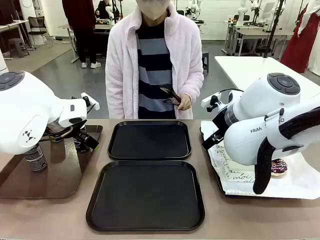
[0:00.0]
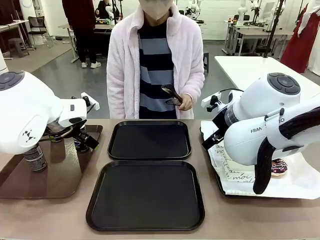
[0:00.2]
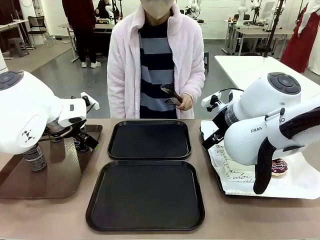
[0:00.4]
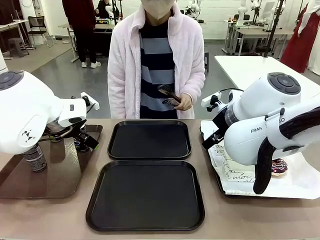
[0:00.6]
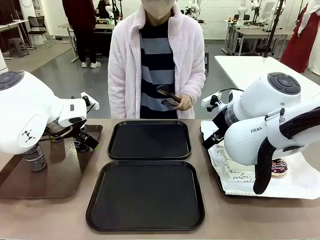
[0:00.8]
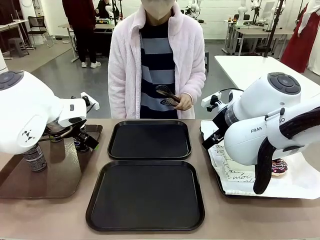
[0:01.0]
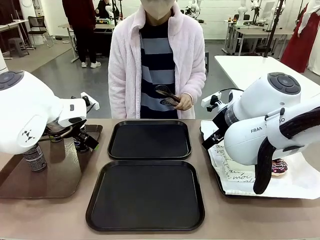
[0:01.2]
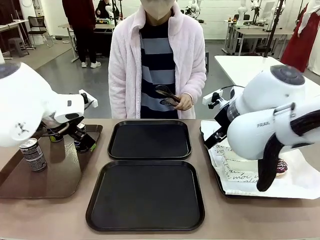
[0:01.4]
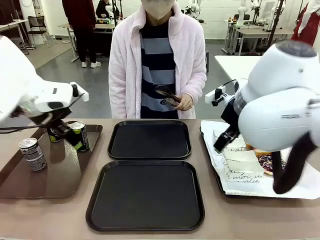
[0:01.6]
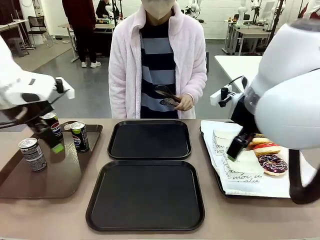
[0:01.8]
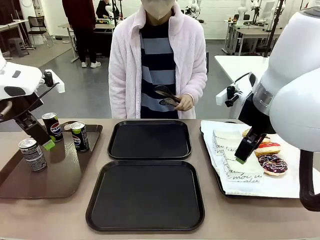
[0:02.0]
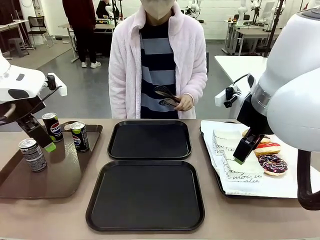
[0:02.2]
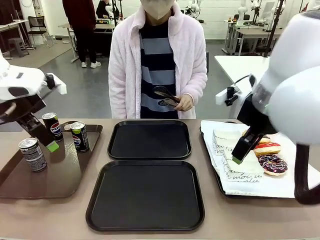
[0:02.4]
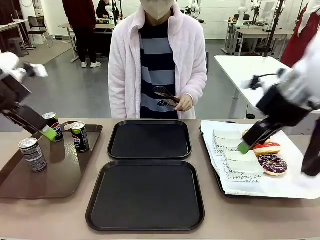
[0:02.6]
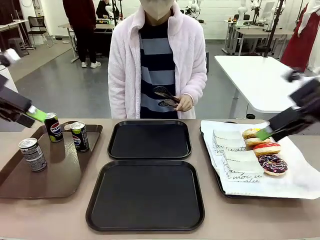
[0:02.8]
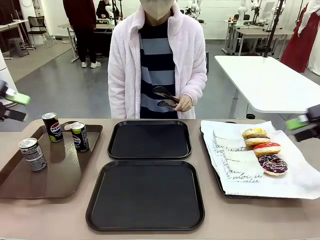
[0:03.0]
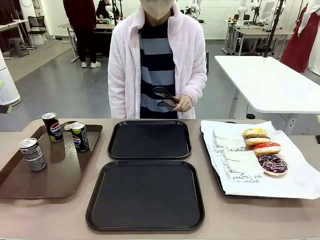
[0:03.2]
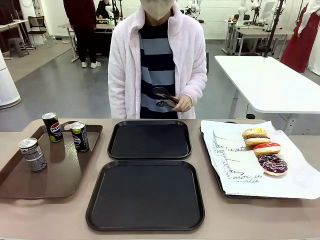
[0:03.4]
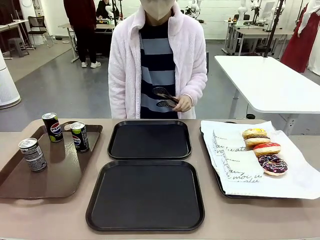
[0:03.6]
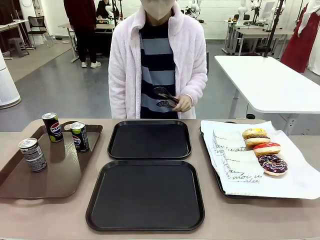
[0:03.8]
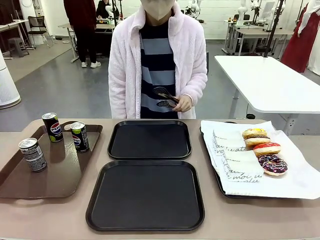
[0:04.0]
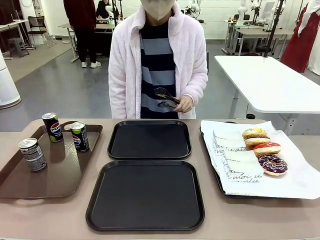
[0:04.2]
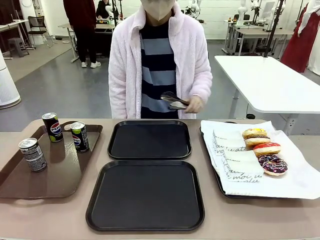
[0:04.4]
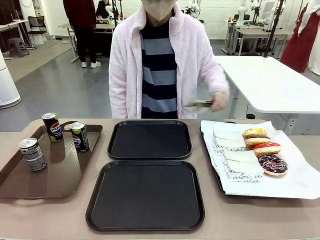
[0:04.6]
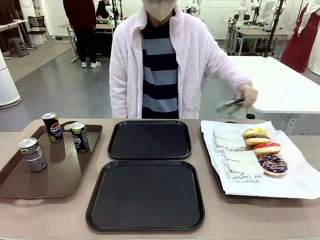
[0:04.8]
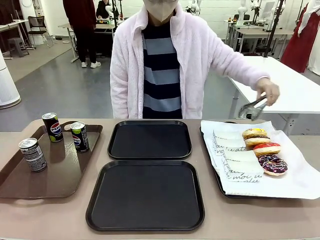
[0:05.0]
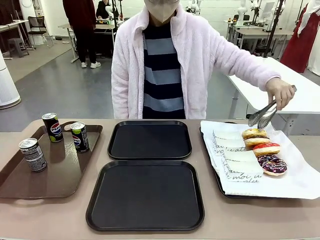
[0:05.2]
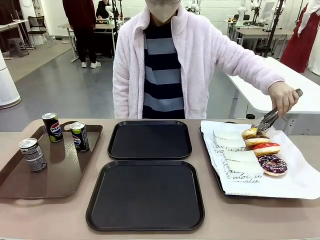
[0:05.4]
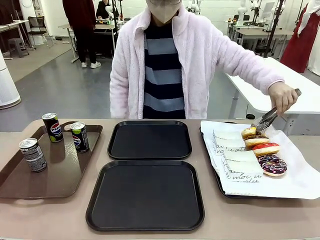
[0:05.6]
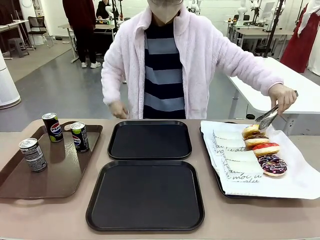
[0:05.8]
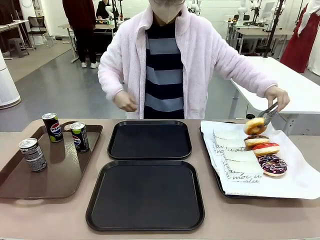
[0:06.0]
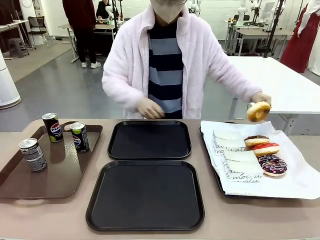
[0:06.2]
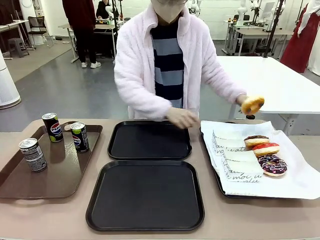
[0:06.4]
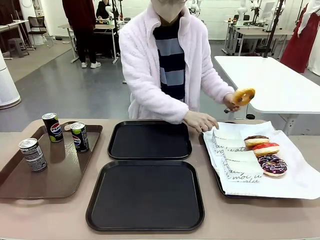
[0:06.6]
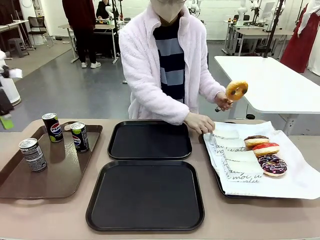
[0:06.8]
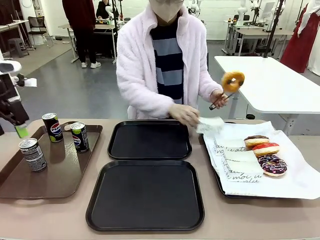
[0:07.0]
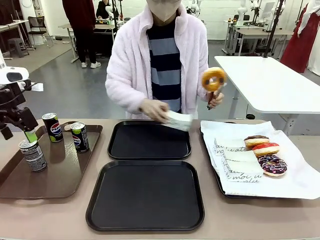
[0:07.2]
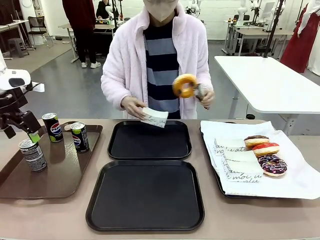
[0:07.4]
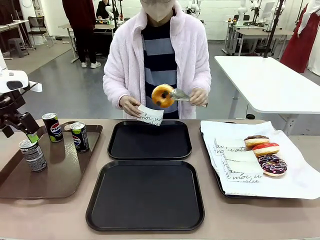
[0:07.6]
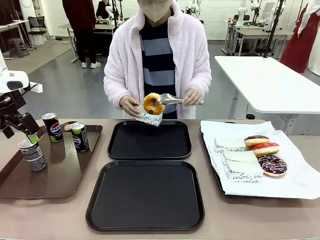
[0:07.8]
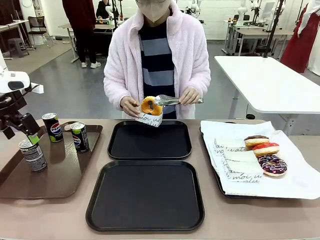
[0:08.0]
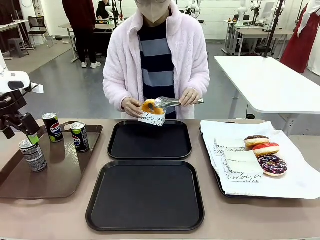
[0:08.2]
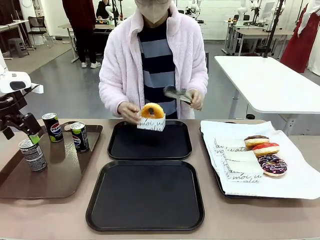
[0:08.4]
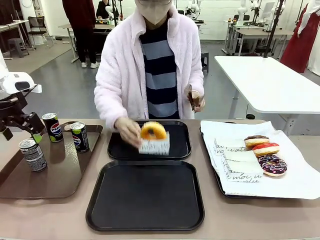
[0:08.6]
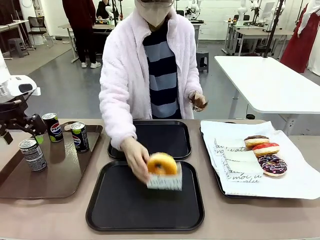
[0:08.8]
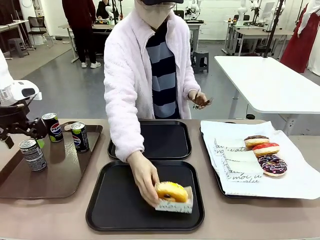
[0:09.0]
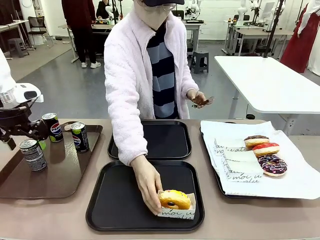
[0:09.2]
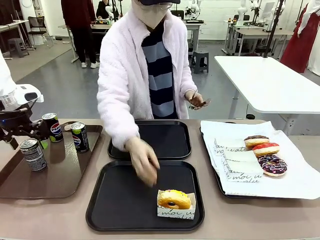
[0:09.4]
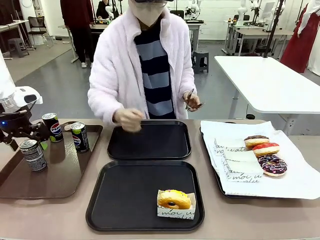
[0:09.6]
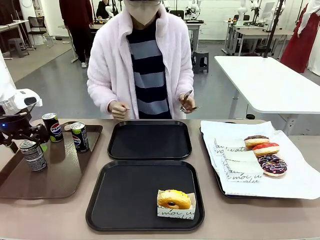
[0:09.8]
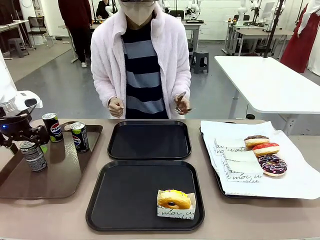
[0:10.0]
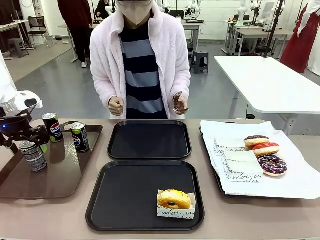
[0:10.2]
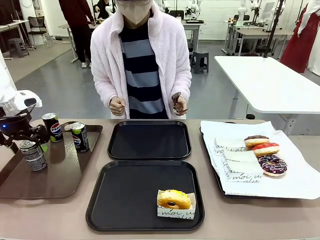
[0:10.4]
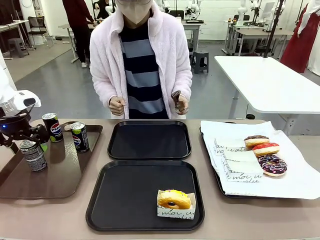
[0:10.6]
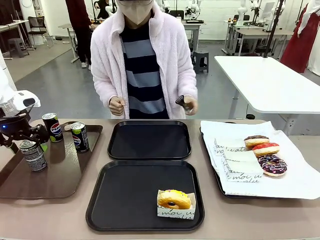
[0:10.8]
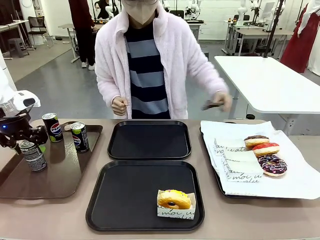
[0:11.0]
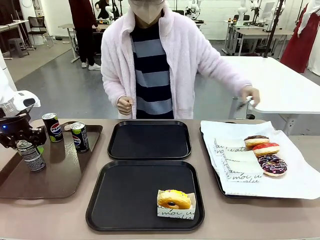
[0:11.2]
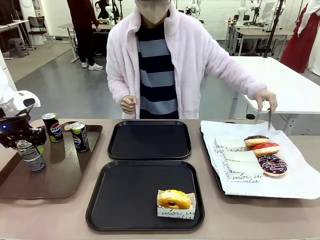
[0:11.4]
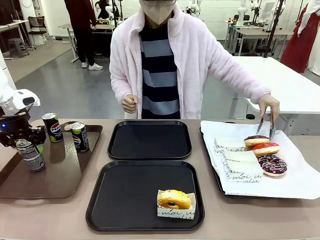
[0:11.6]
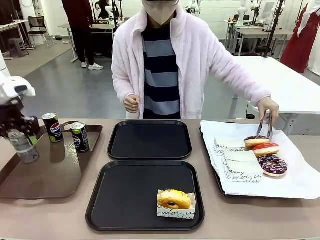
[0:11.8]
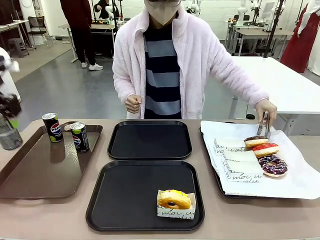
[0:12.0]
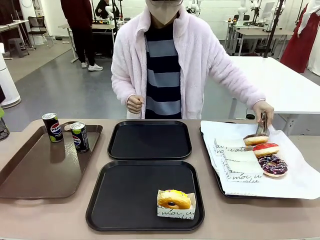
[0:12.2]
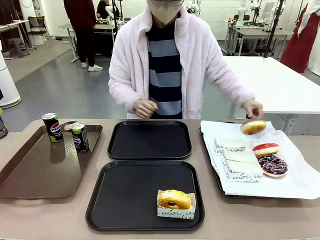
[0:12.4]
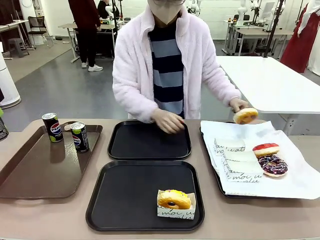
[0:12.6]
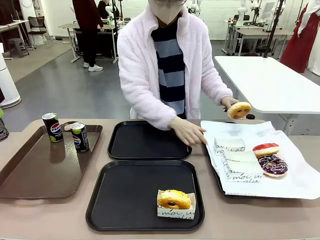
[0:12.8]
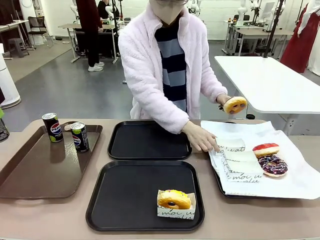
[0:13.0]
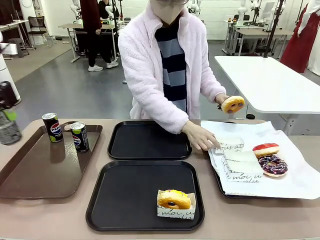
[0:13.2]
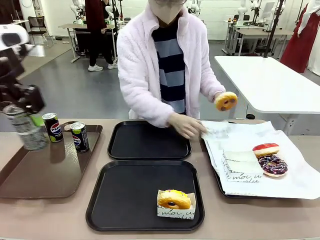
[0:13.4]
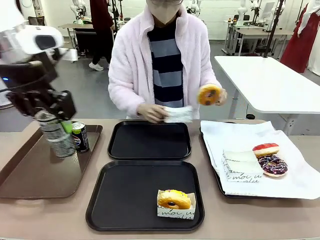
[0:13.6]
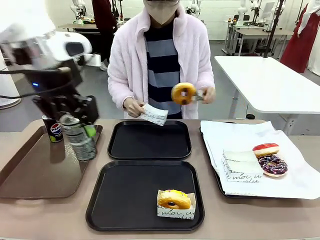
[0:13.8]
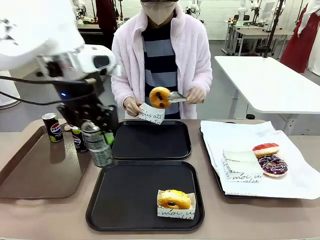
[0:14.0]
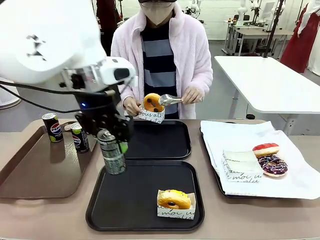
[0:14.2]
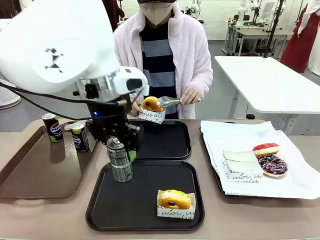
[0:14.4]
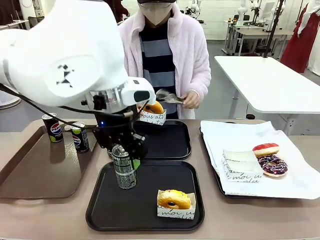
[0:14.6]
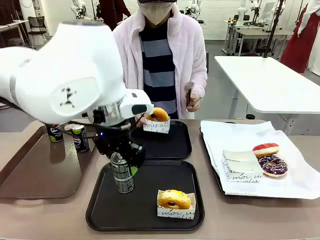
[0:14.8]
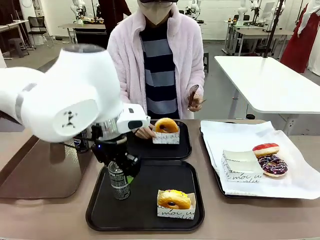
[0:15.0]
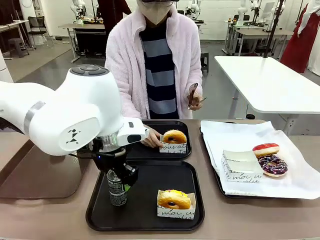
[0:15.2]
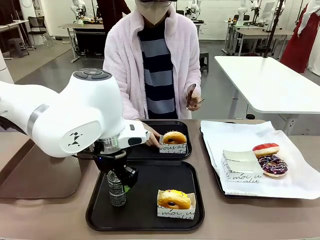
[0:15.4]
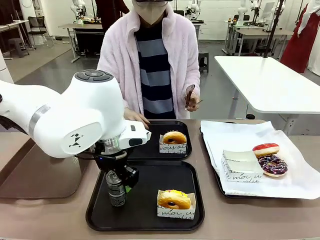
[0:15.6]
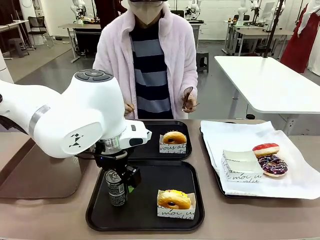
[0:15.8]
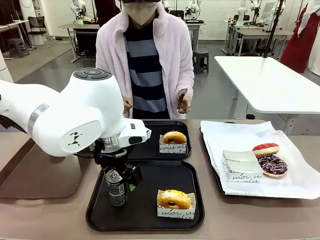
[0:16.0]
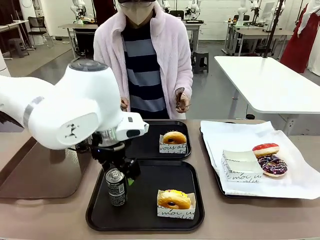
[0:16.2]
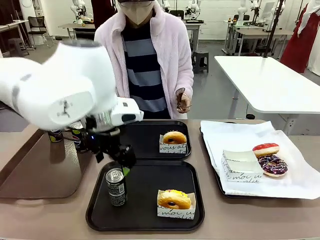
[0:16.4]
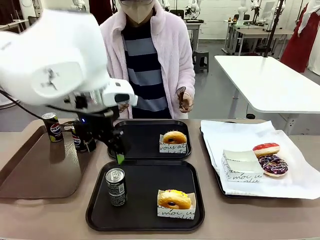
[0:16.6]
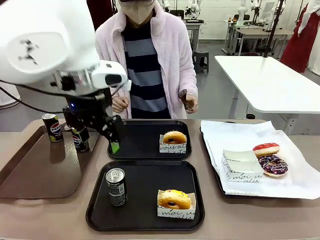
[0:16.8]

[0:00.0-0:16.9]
Task: Set up donuts and drinks on trays.
Robot: Pick up one Pepsi coke and place it on the Flat Tray.
